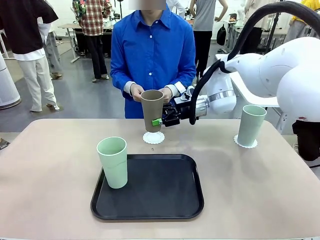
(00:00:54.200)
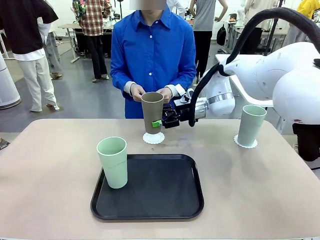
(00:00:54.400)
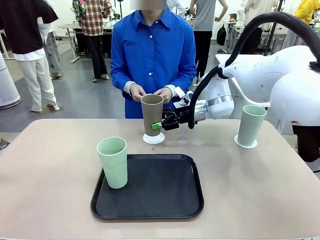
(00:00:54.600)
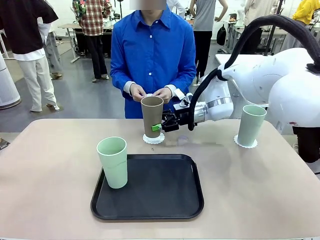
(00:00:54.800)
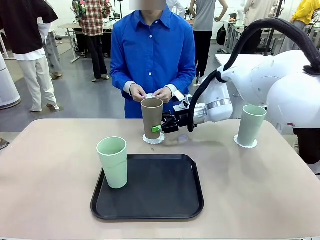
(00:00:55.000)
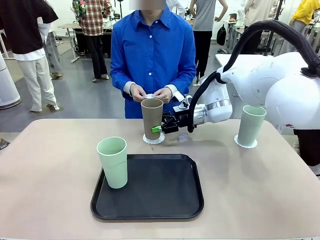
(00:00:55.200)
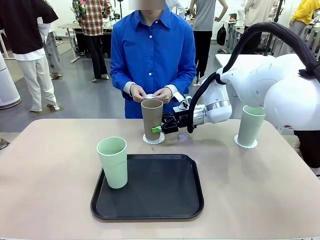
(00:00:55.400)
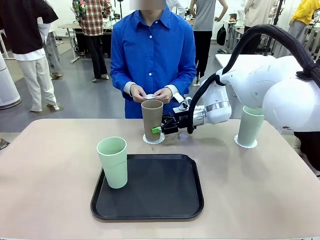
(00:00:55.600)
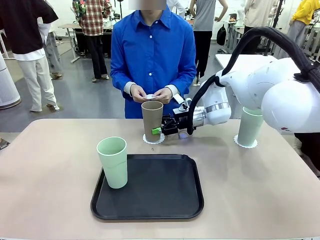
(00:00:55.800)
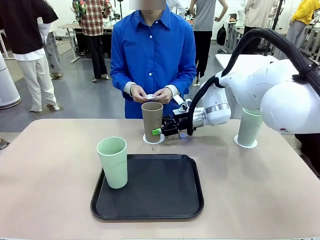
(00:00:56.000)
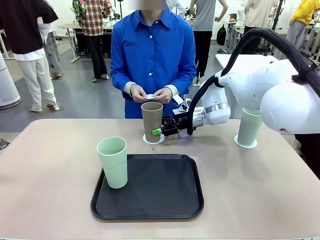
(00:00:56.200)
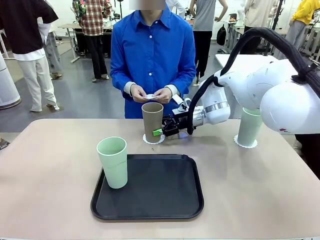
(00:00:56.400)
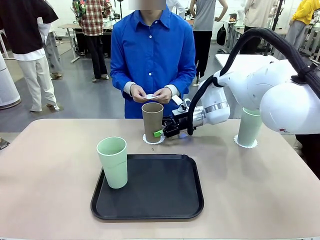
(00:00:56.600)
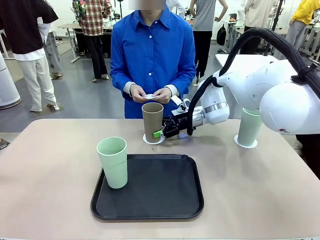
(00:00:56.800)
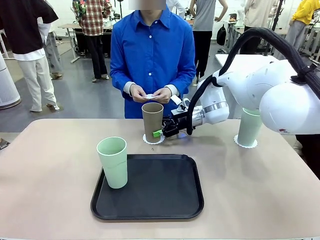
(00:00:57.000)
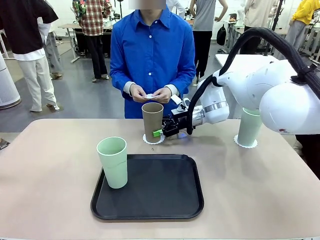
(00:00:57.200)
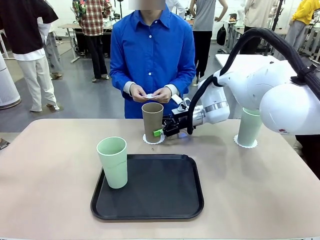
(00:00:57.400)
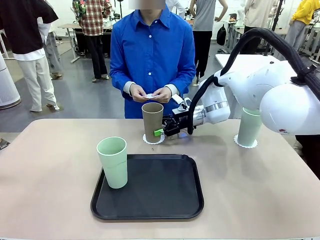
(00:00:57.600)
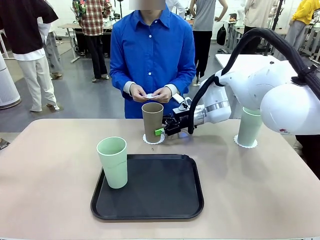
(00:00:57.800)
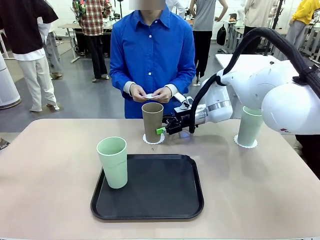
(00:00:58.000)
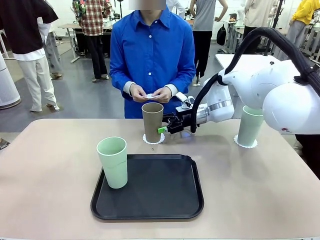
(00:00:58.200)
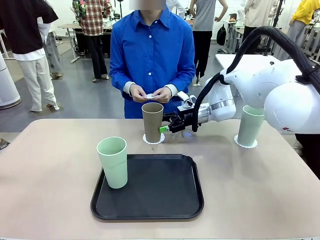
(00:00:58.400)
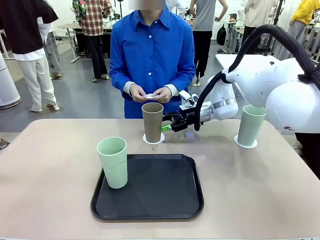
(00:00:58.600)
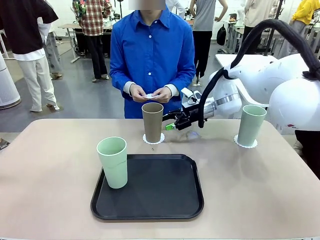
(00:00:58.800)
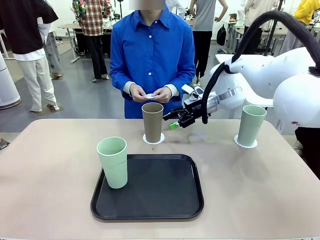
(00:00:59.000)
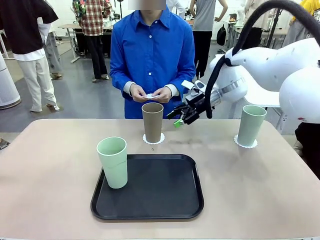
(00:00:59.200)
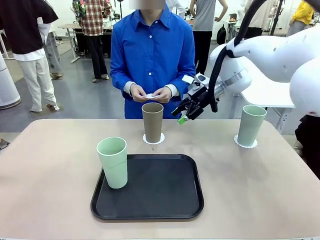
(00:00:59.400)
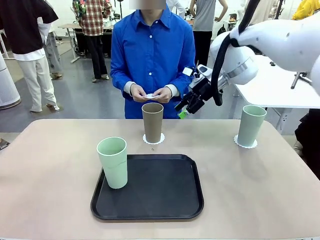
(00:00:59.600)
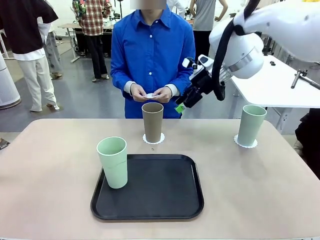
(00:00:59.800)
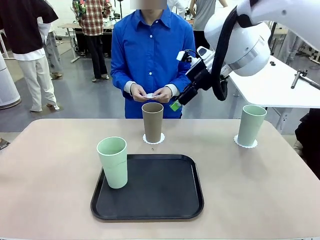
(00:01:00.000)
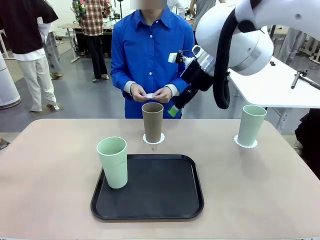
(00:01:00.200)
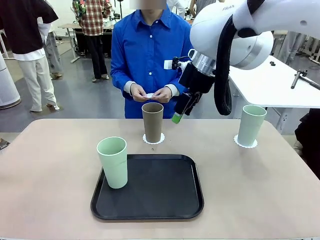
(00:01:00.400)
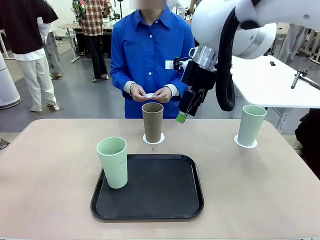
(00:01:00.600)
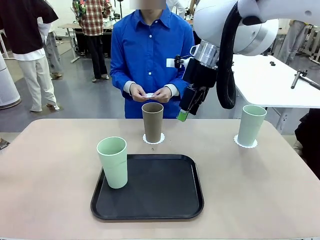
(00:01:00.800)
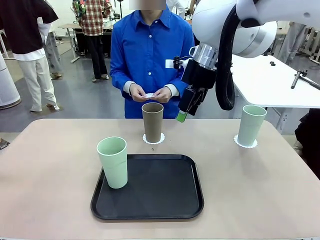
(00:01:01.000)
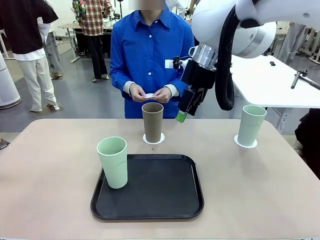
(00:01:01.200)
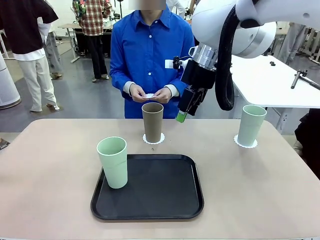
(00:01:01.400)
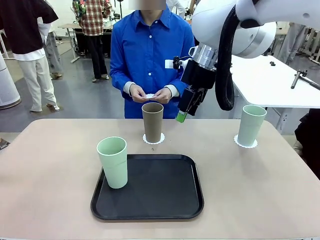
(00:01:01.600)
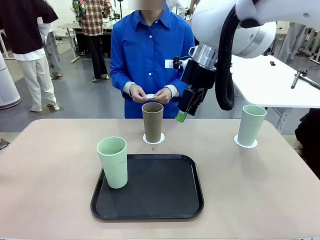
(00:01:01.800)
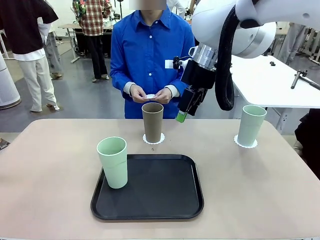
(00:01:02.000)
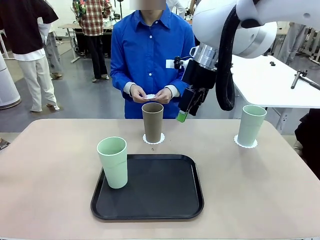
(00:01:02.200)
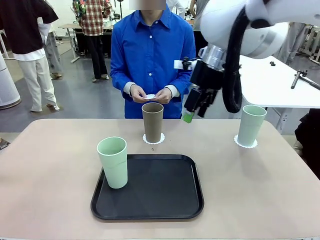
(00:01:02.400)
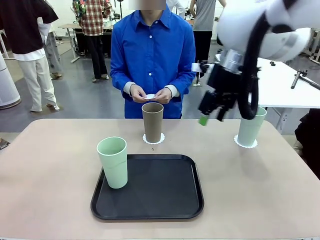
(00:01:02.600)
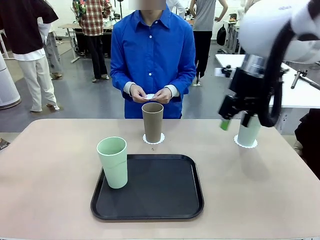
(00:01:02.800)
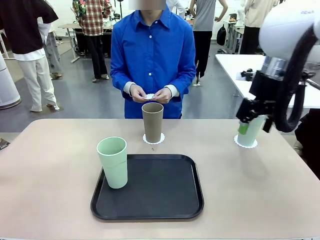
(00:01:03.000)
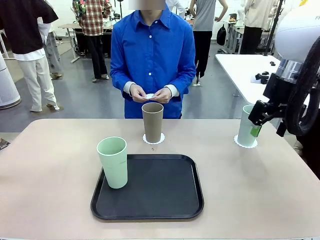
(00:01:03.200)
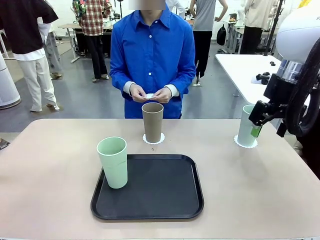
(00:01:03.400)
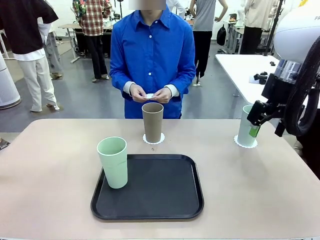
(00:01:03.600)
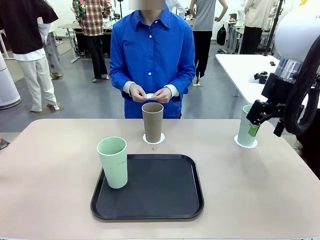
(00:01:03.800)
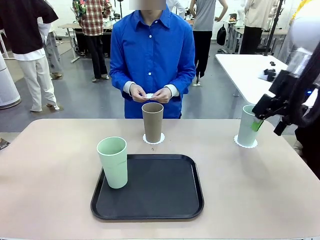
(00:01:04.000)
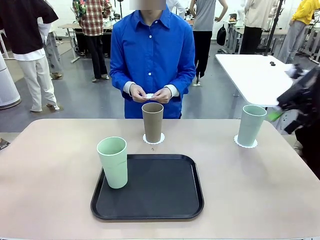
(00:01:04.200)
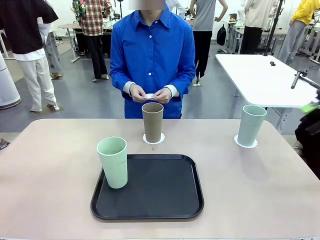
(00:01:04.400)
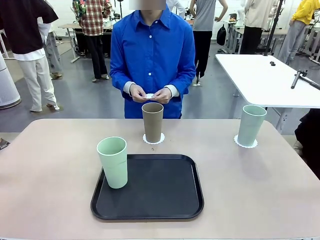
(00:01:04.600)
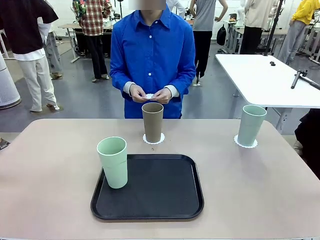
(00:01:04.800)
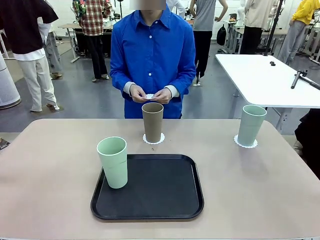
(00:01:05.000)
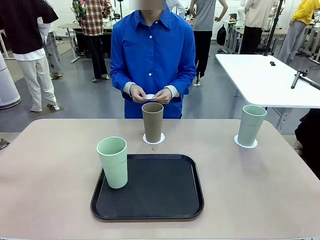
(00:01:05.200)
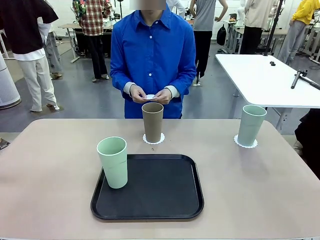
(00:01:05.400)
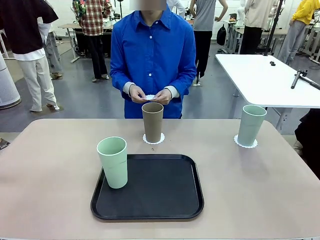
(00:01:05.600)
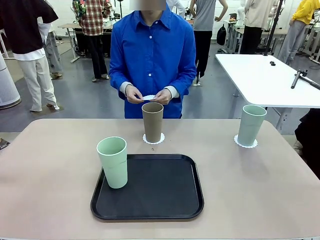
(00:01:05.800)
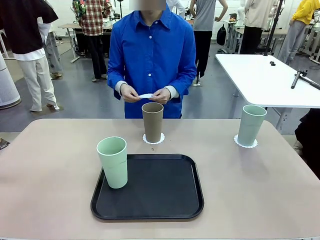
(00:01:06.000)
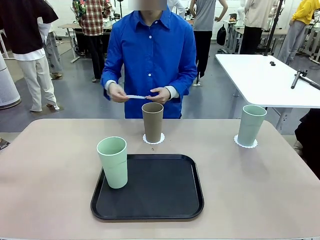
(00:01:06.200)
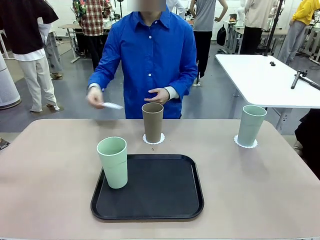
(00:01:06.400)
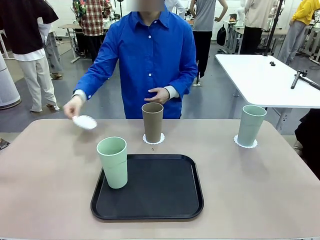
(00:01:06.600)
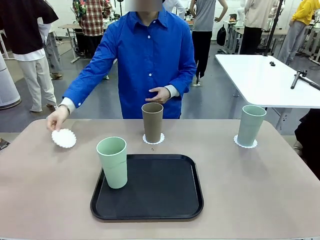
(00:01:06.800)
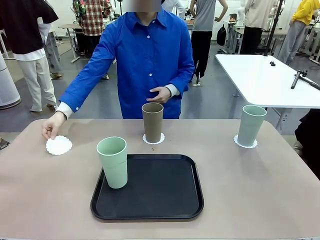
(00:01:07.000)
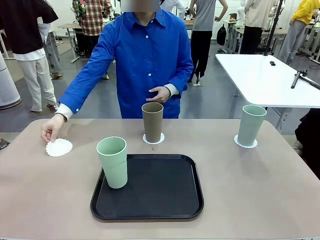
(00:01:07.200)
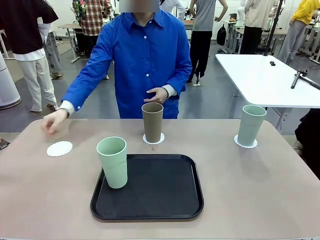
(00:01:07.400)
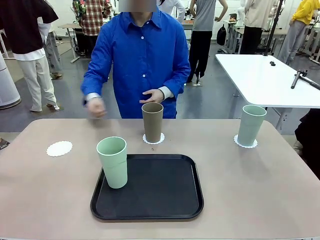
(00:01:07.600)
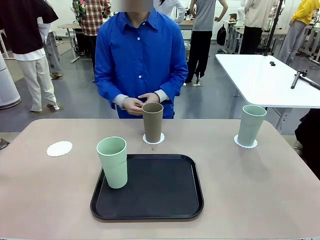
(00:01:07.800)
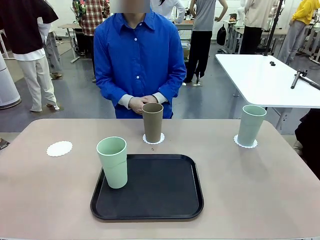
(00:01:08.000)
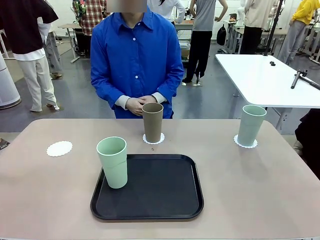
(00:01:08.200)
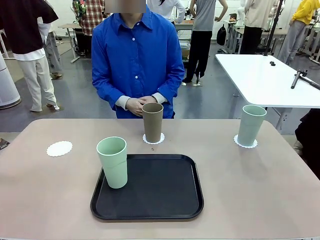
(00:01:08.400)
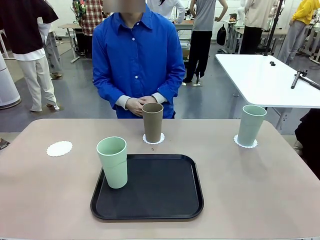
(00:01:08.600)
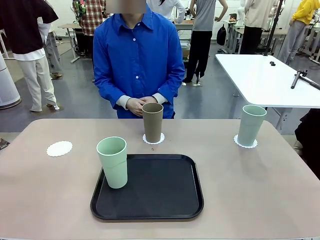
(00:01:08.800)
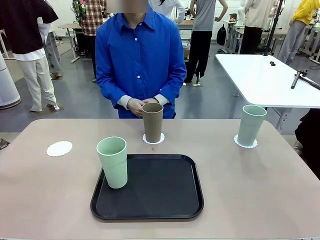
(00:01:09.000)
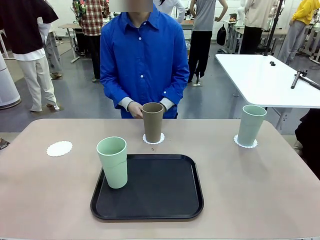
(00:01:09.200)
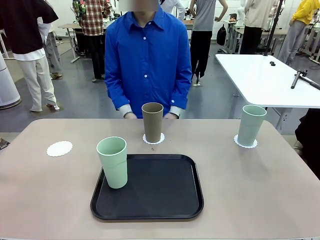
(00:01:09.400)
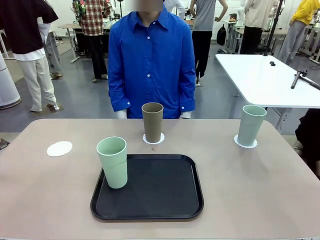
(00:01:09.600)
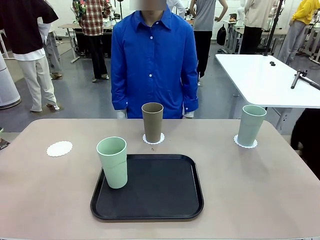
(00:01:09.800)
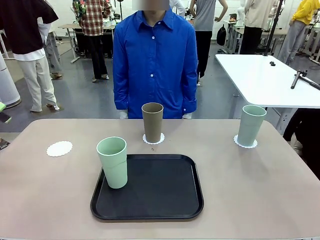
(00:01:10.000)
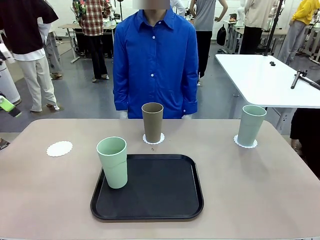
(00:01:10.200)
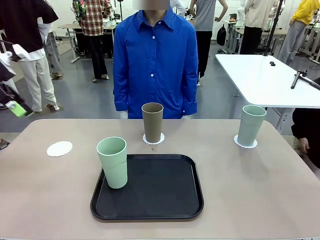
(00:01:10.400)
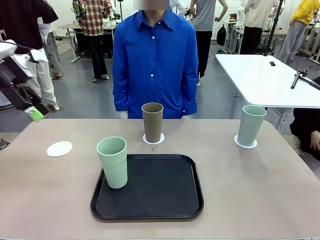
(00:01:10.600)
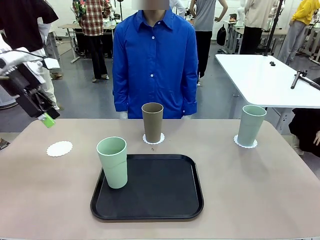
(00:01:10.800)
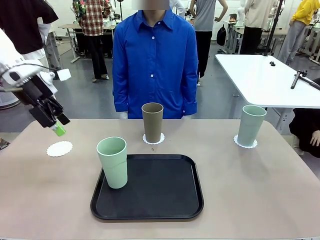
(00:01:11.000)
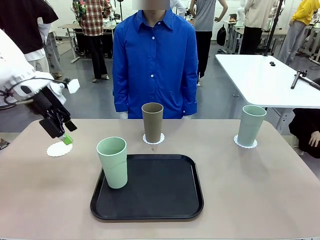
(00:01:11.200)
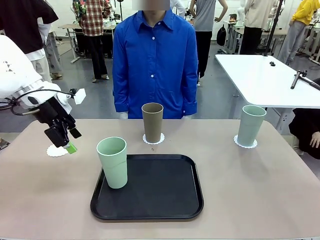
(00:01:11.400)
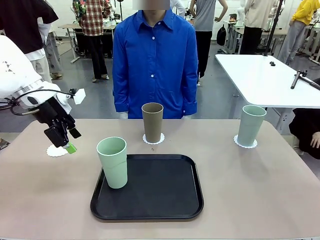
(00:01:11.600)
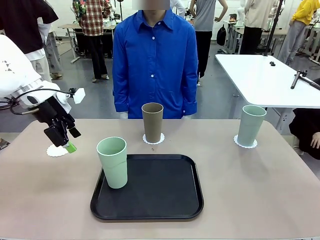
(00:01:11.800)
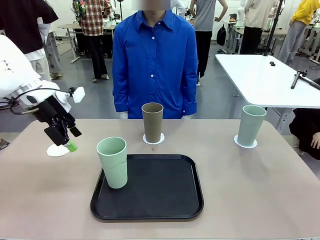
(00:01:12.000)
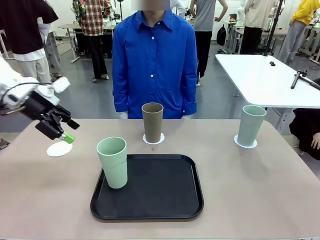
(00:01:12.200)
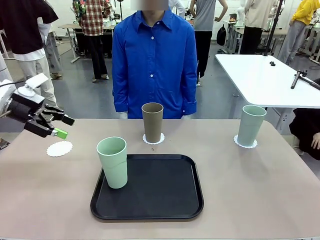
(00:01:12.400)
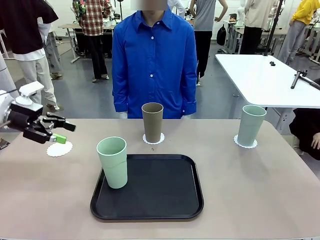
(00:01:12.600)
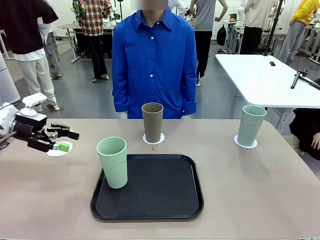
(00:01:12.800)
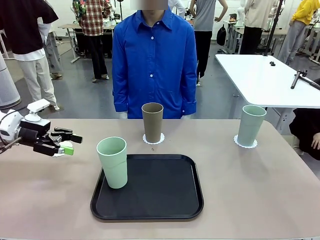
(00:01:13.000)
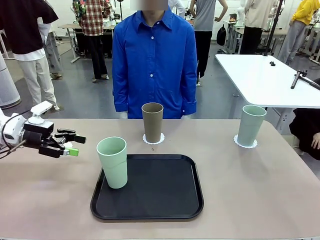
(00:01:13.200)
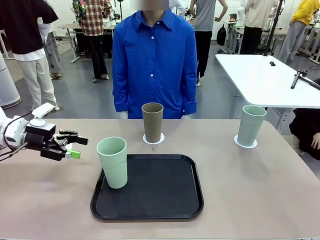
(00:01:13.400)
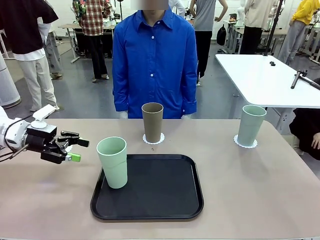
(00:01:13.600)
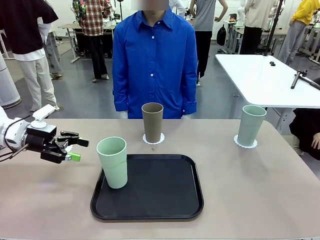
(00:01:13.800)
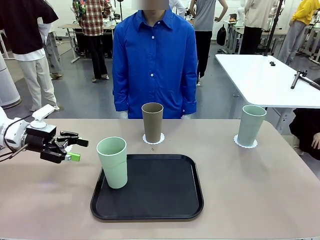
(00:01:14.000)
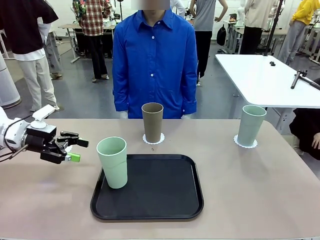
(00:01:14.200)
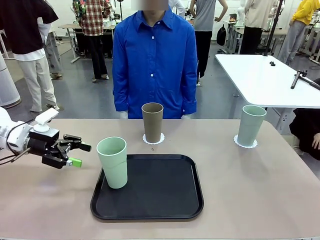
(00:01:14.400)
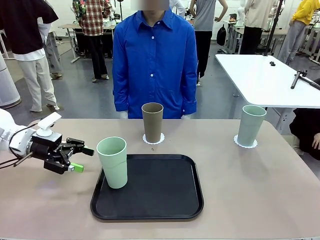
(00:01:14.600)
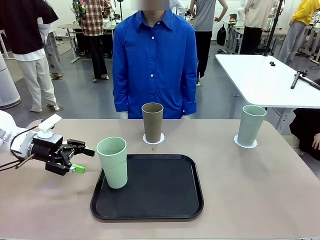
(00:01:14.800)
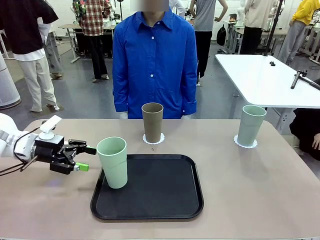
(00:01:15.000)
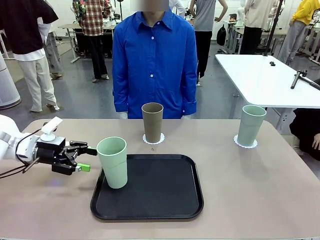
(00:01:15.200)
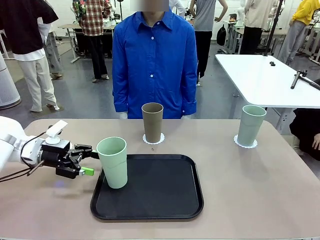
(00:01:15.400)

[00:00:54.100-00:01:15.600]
Task: Place coasters on the table and set cups on them.
Robot: Take one Reusable plastic cup from the Flat Tray and place it on a coaster set by the human.
